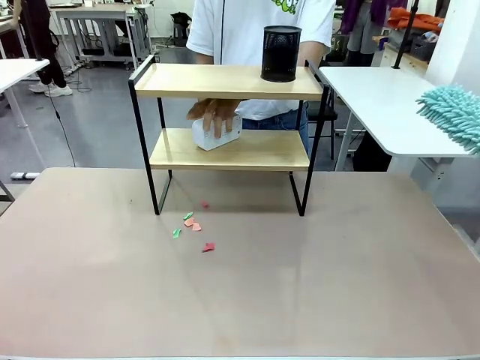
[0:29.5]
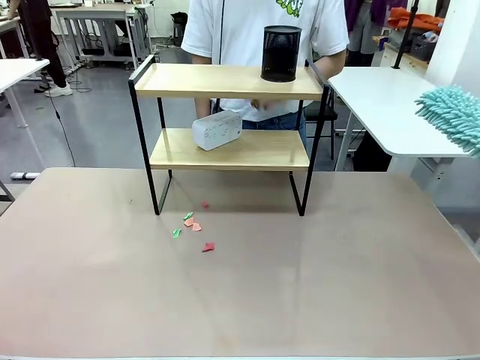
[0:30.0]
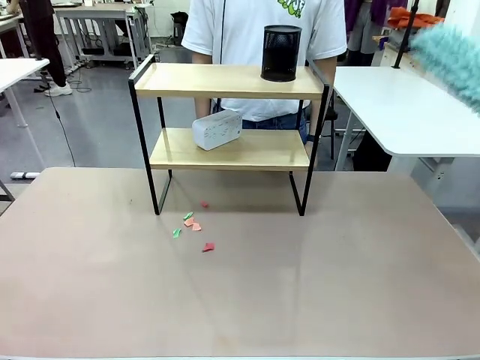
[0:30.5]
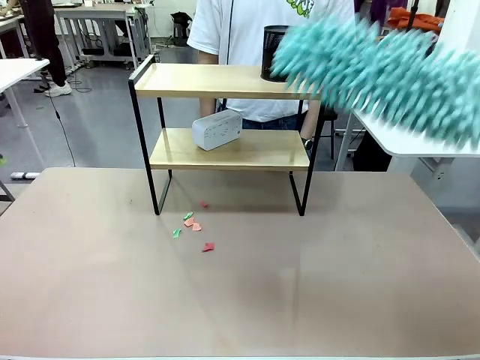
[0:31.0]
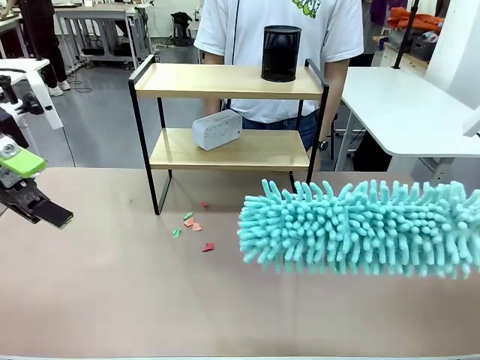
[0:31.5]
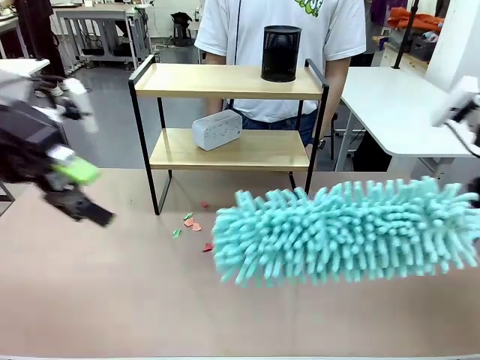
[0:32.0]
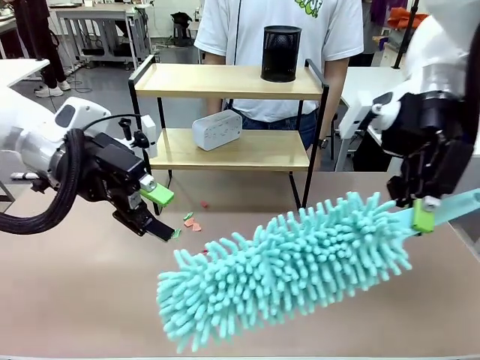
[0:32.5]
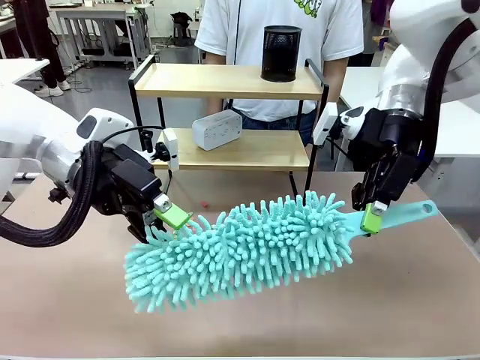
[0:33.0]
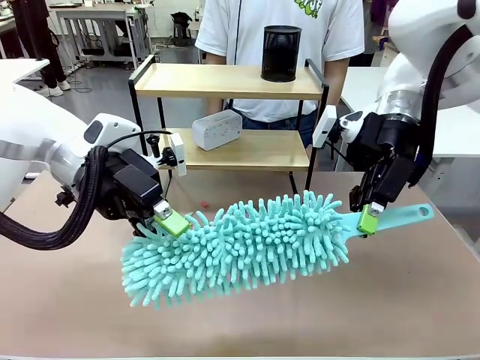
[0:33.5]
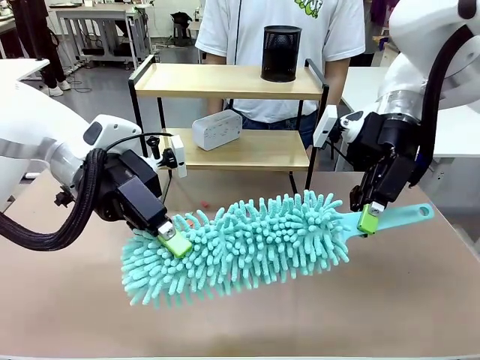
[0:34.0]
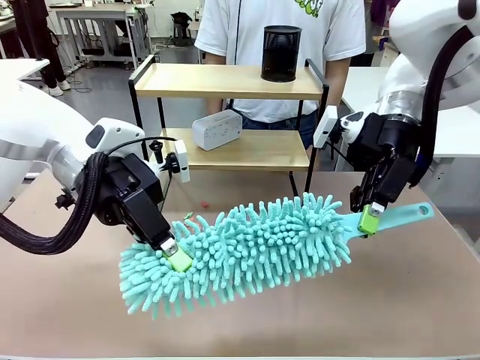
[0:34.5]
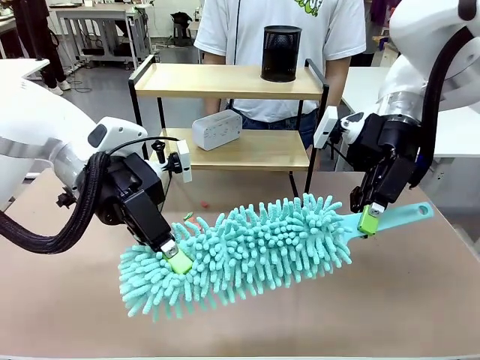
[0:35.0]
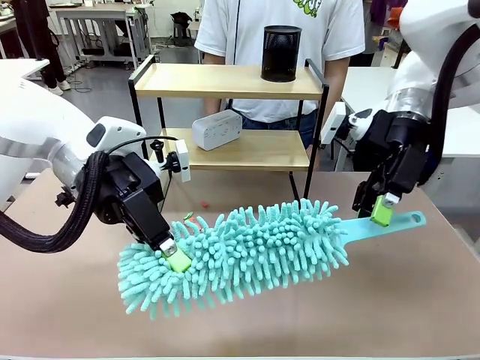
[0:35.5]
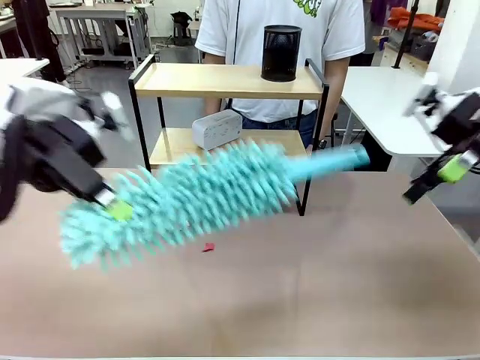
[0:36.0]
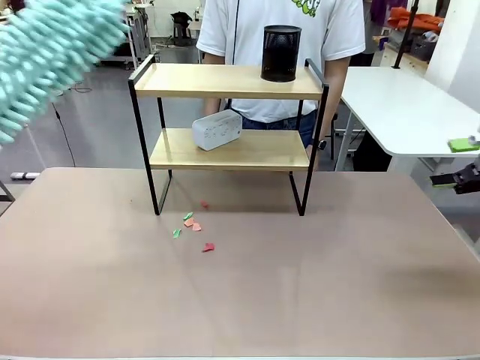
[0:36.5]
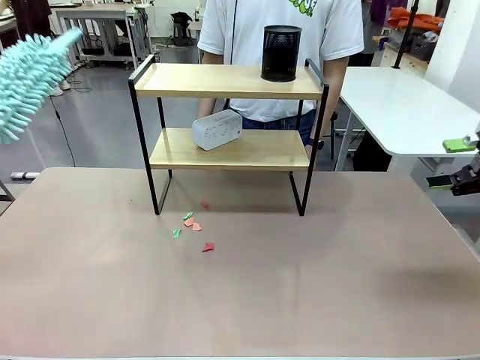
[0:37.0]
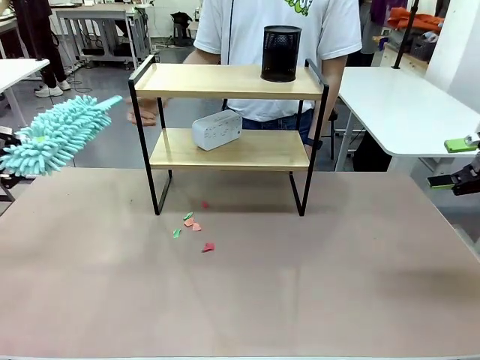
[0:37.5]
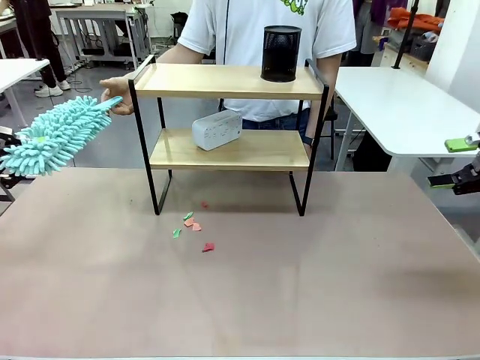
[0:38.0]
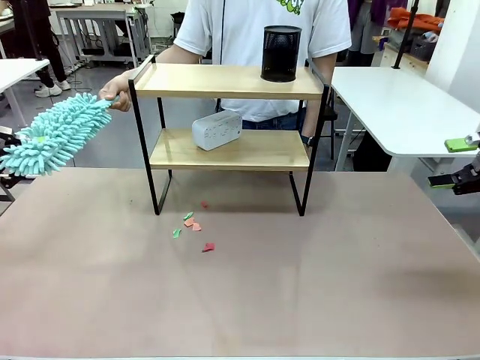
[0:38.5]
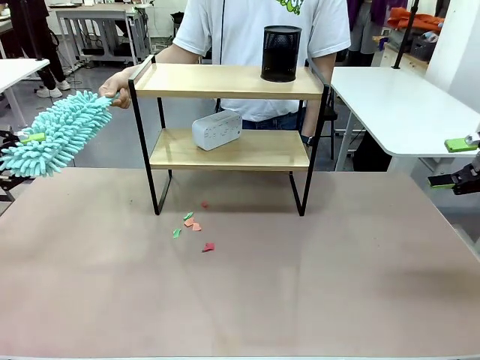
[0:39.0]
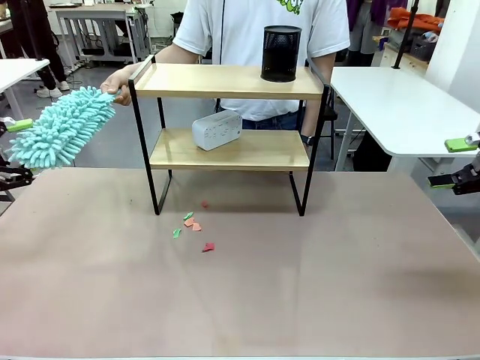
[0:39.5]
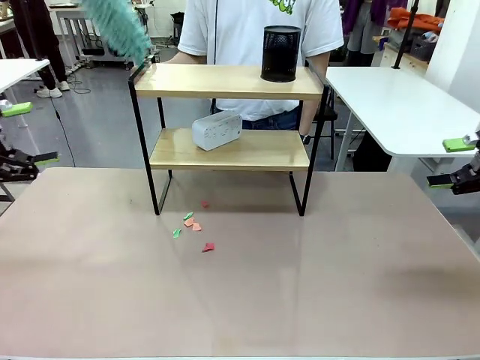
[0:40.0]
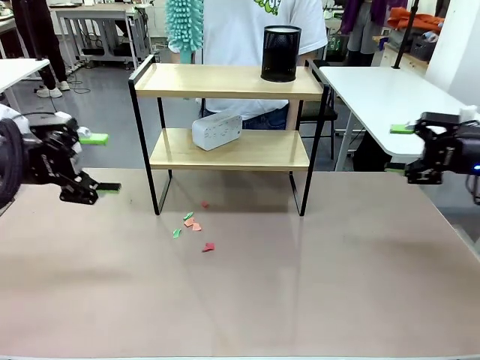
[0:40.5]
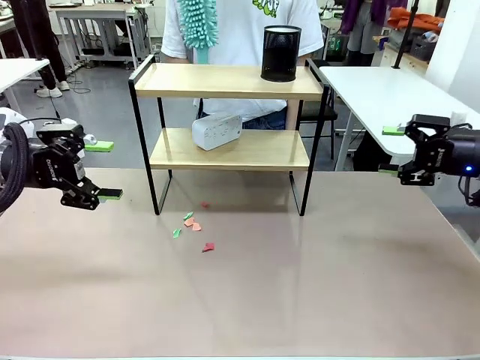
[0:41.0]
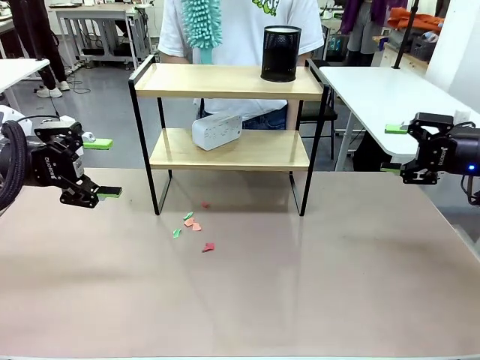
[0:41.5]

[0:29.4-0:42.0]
Task: Clean the shelf.
Robot: Hand the Duster back to the human.
Person: Receive the Duster from the robot.

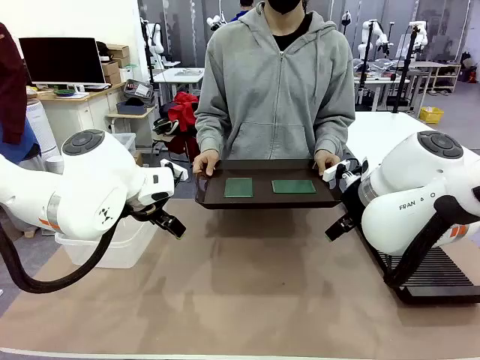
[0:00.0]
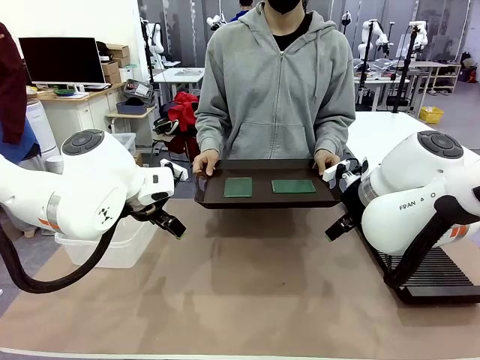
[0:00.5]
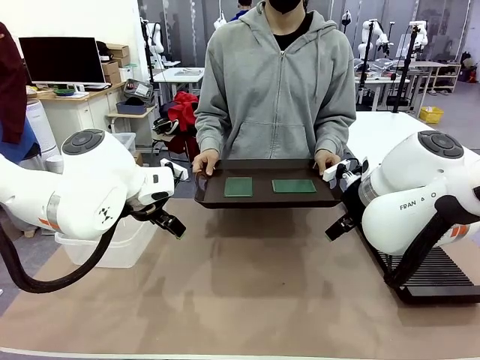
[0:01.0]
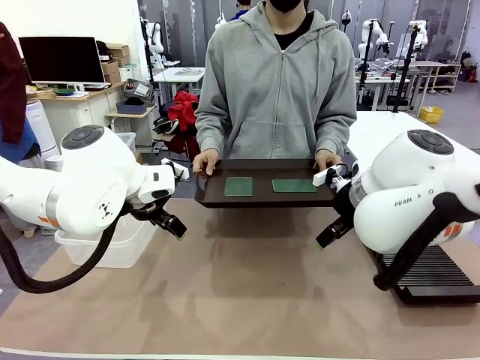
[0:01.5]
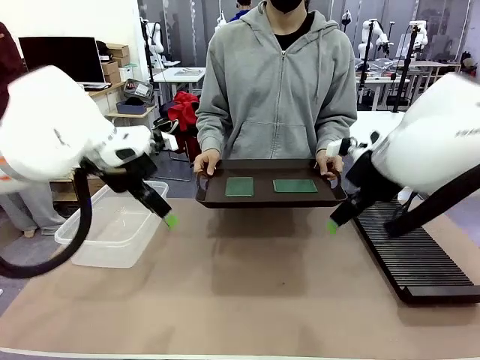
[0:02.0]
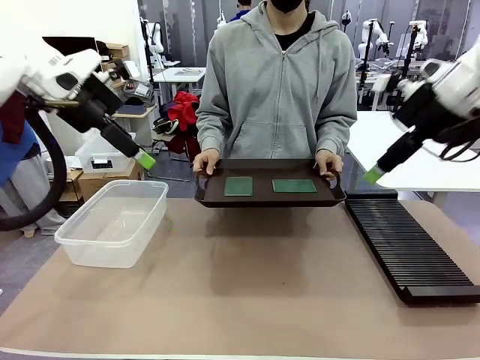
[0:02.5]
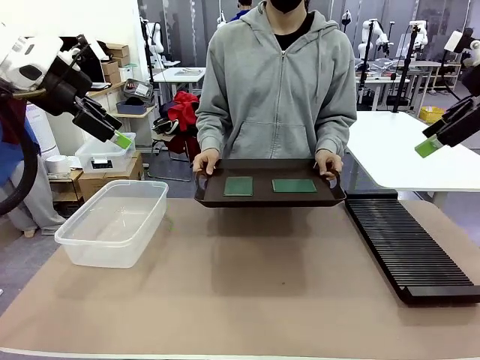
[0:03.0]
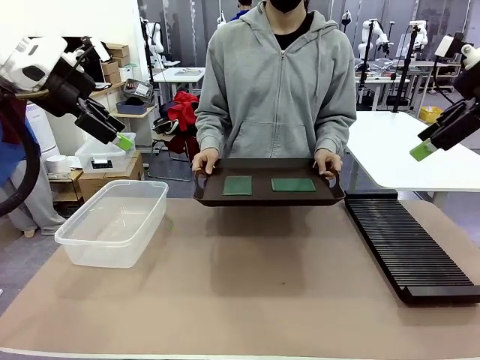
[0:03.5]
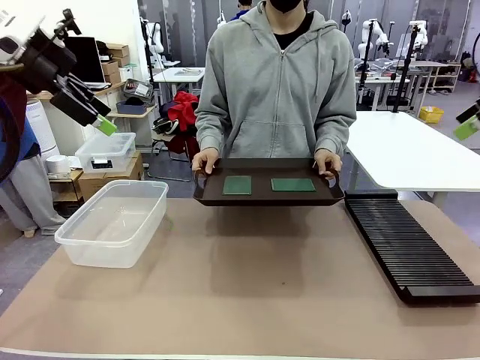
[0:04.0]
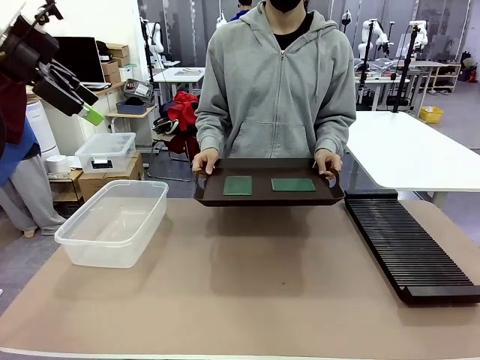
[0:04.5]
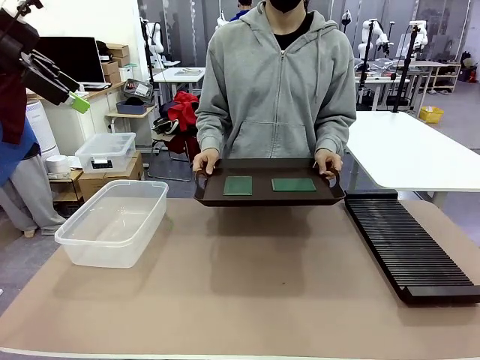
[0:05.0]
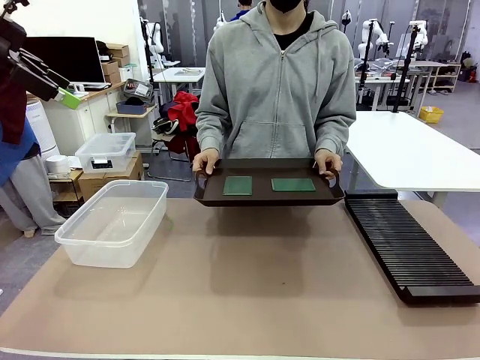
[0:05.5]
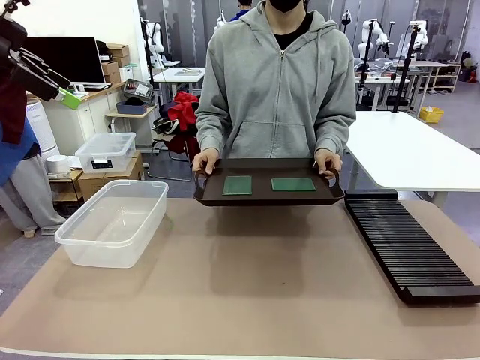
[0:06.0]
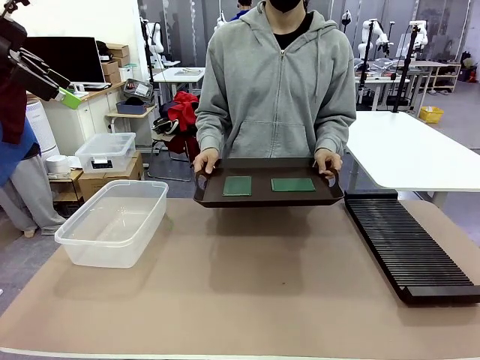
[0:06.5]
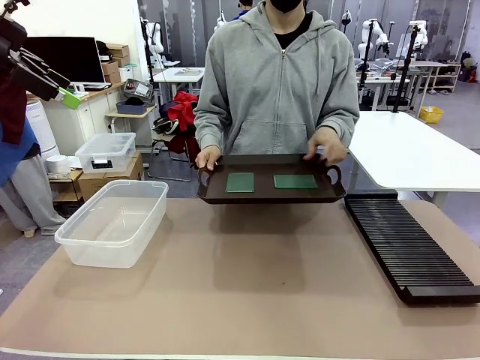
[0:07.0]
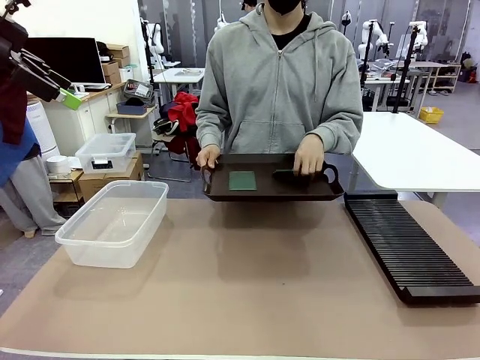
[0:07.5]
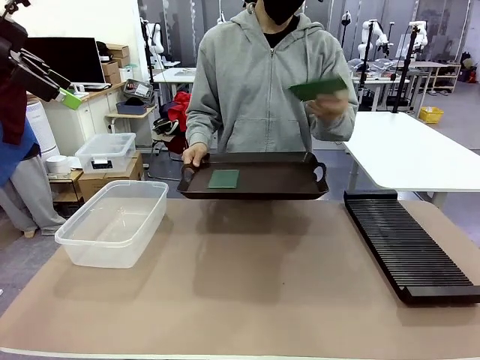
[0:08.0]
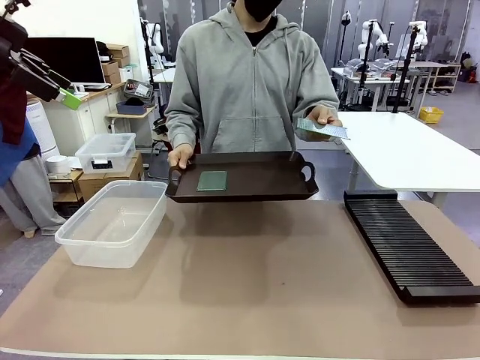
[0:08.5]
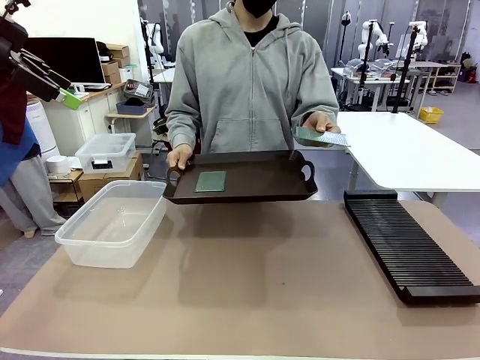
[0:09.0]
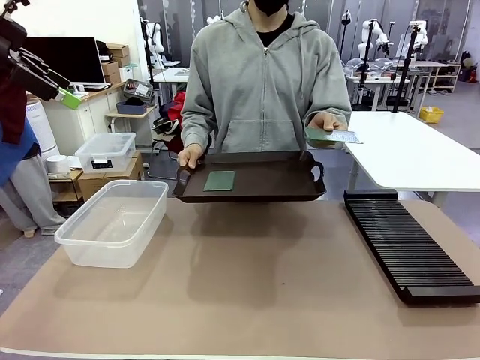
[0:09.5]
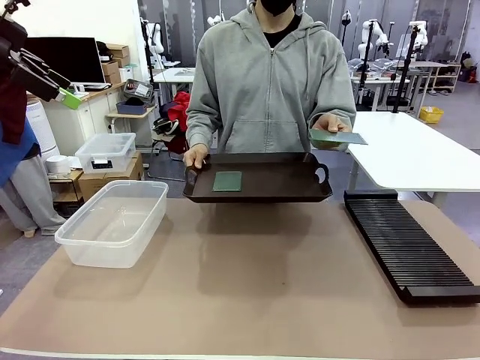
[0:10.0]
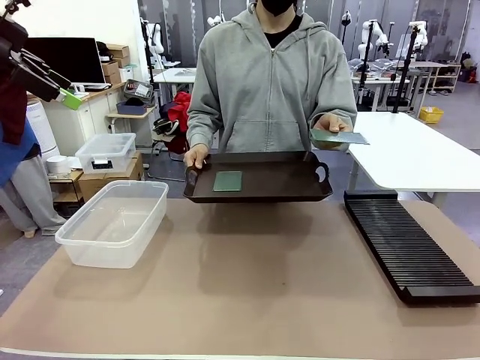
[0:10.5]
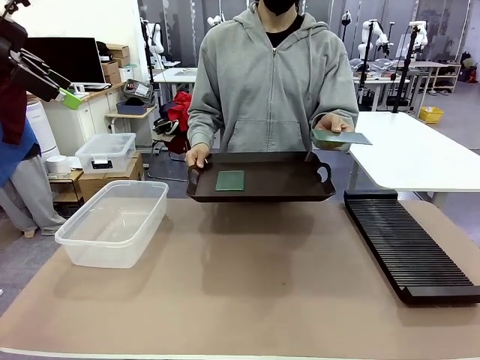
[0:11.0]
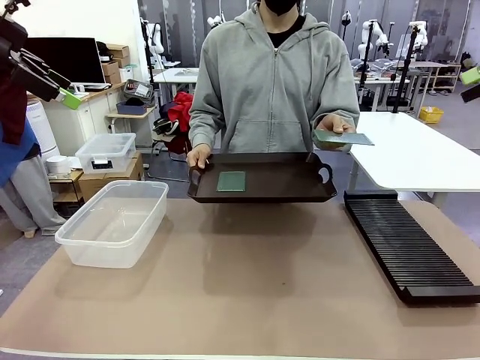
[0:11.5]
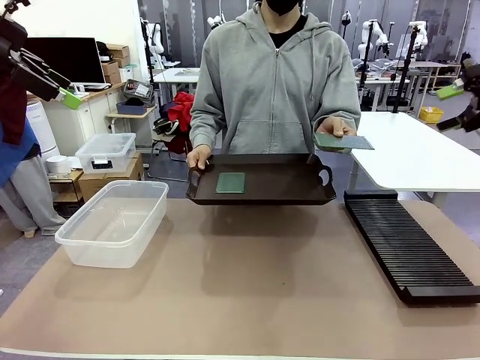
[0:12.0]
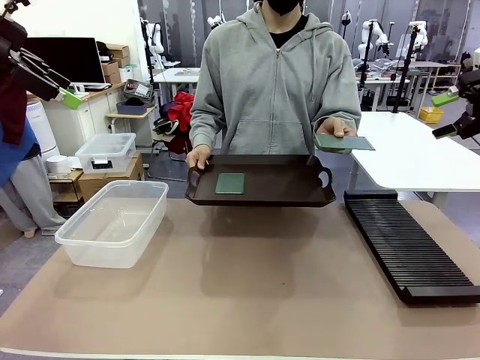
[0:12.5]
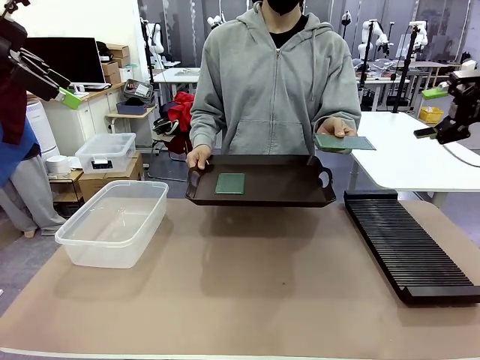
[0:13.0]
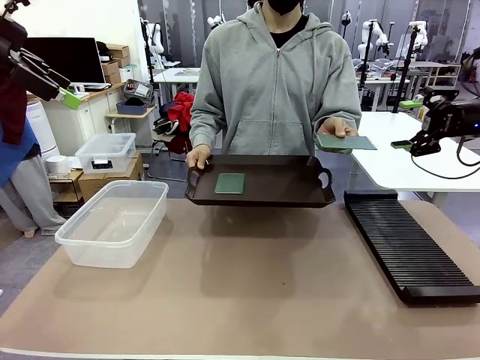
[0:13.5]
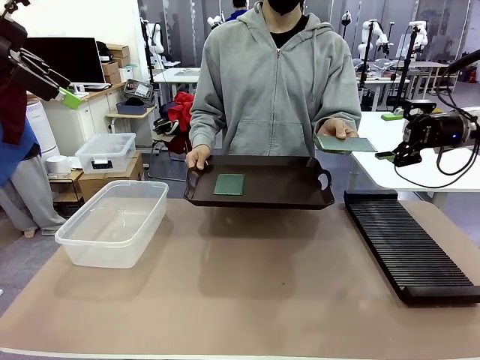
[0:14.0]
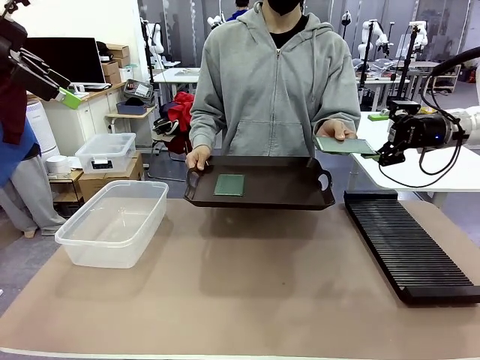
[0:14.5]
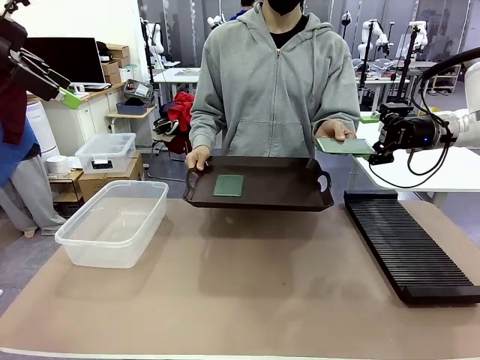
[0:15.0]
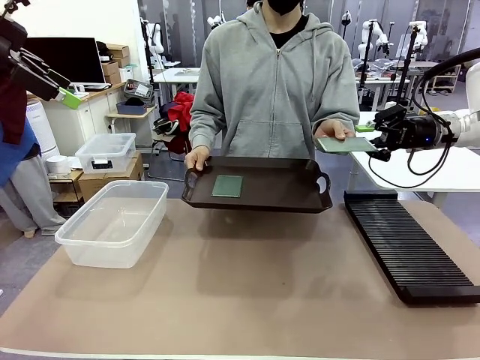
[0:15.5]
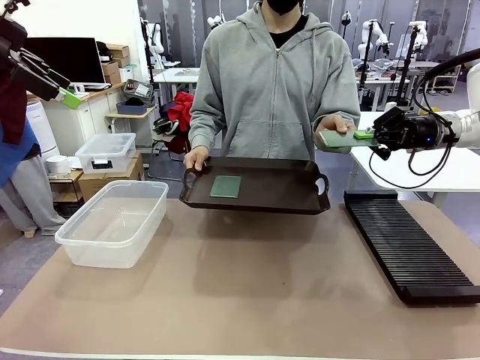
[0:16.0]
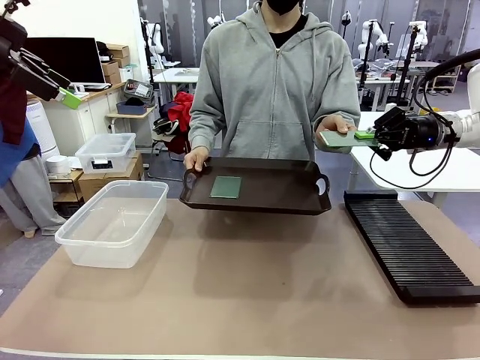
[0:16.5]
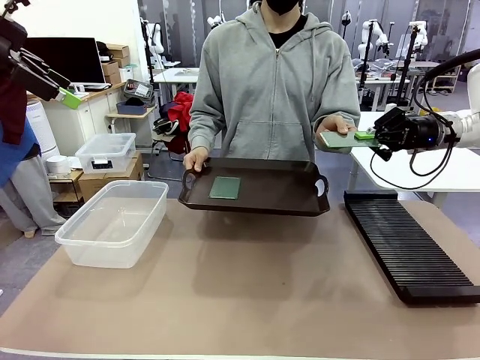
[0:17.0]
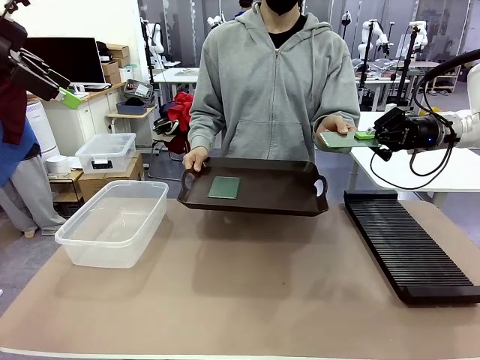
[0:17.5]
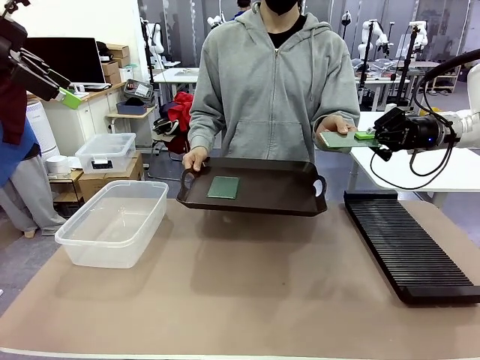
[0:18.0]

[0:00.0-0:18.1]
Task: Sort PCBs into racks and boxes based on the side picked up.
Robot: Pick up the Blank PCB handed by the Human.
Person: Pick one PCB from the tray and present it to the robot. Release the PCB being held.
